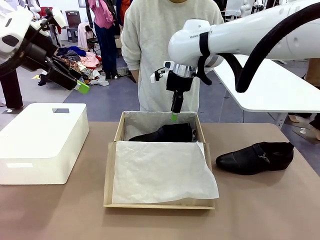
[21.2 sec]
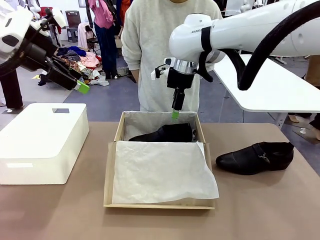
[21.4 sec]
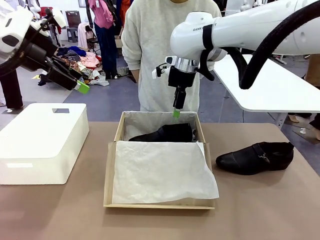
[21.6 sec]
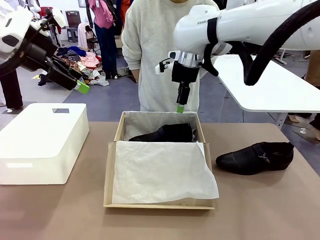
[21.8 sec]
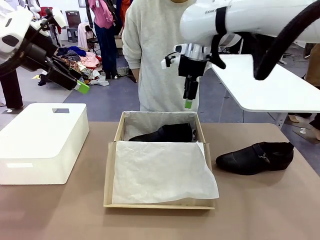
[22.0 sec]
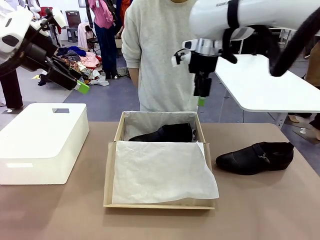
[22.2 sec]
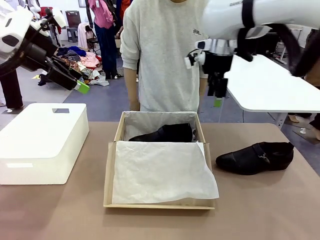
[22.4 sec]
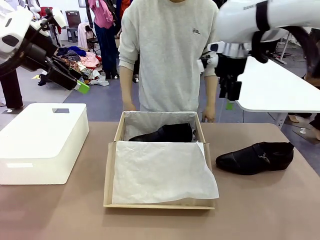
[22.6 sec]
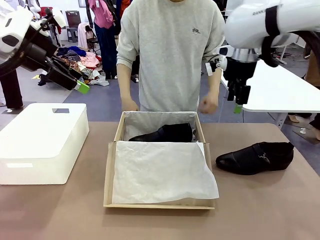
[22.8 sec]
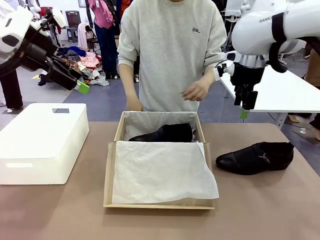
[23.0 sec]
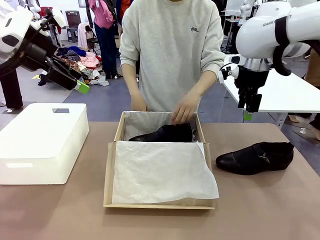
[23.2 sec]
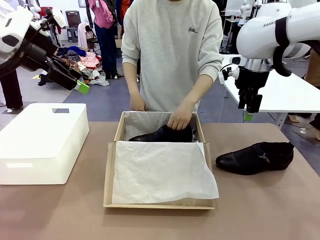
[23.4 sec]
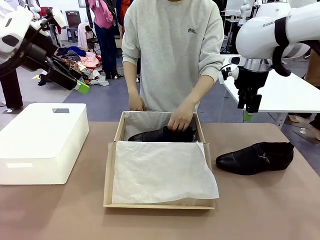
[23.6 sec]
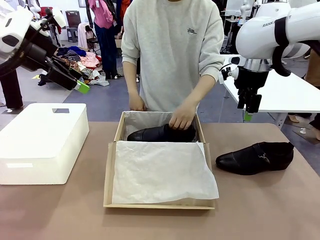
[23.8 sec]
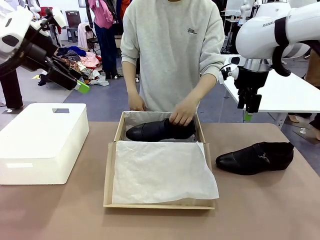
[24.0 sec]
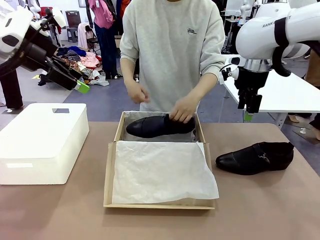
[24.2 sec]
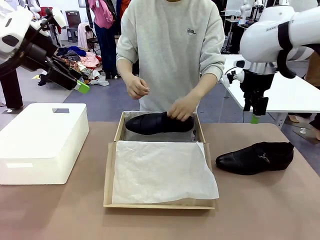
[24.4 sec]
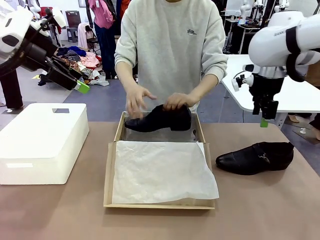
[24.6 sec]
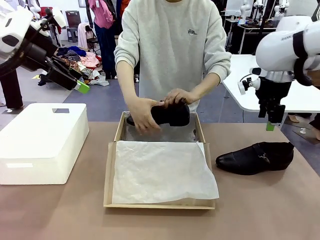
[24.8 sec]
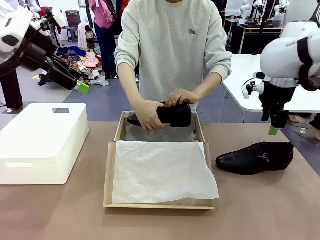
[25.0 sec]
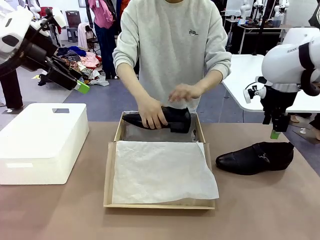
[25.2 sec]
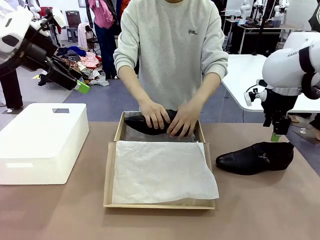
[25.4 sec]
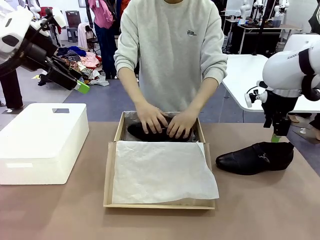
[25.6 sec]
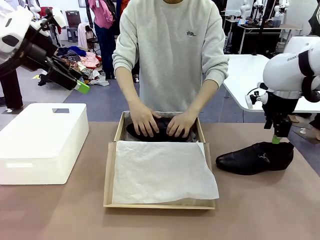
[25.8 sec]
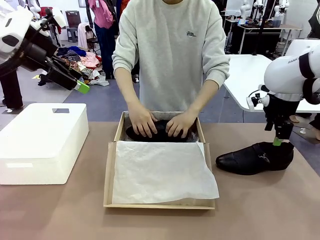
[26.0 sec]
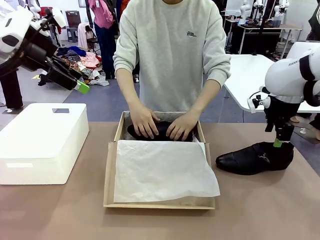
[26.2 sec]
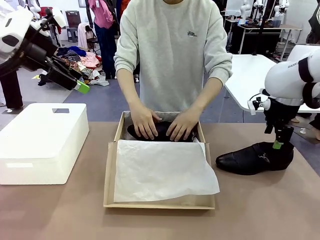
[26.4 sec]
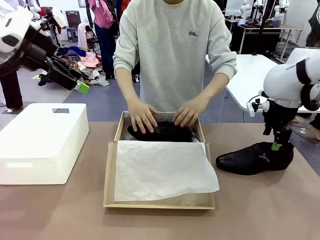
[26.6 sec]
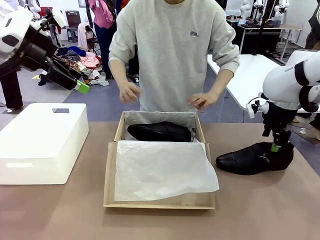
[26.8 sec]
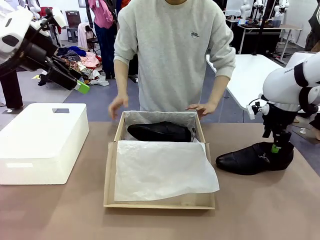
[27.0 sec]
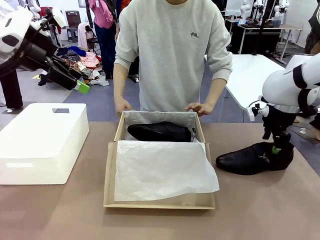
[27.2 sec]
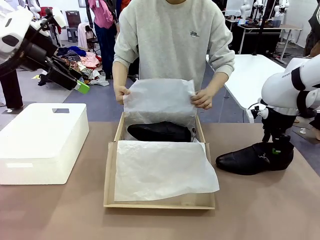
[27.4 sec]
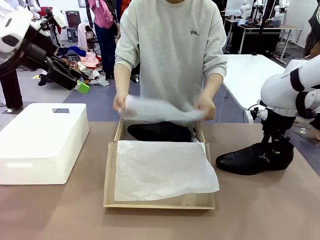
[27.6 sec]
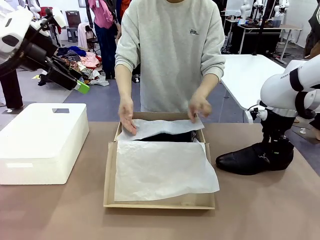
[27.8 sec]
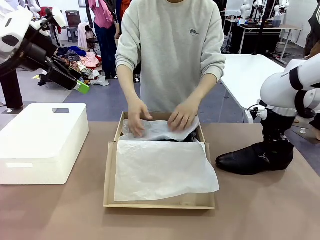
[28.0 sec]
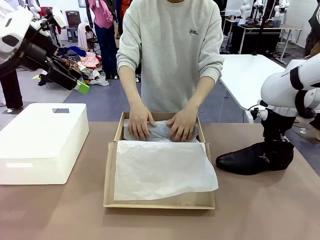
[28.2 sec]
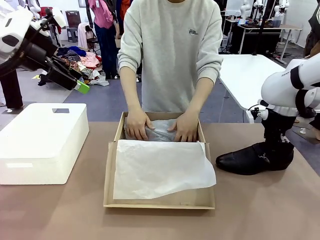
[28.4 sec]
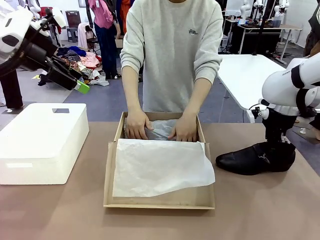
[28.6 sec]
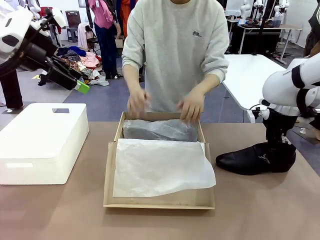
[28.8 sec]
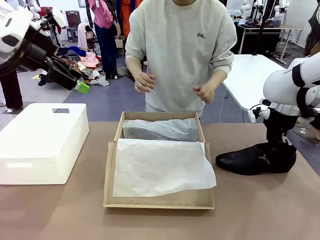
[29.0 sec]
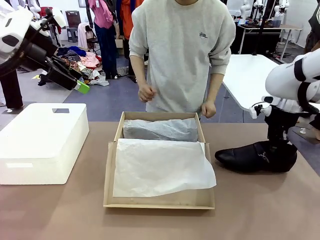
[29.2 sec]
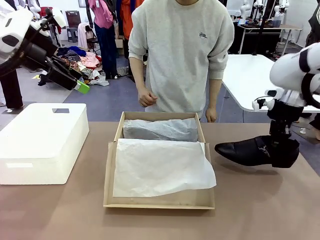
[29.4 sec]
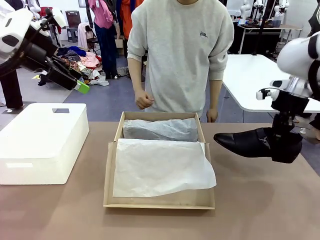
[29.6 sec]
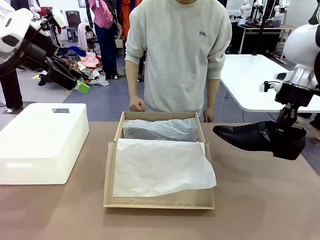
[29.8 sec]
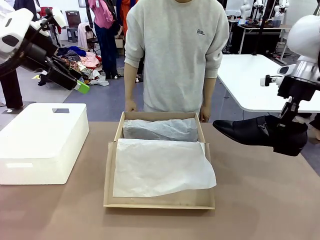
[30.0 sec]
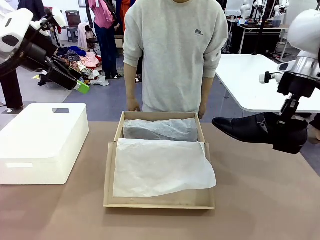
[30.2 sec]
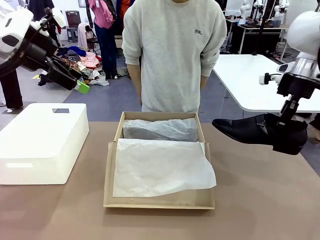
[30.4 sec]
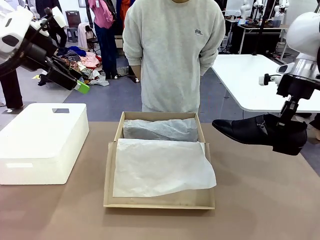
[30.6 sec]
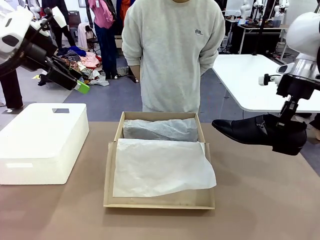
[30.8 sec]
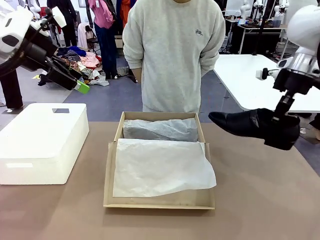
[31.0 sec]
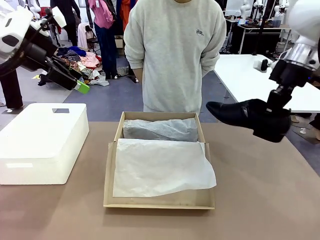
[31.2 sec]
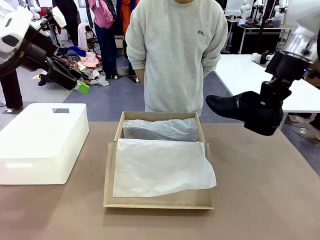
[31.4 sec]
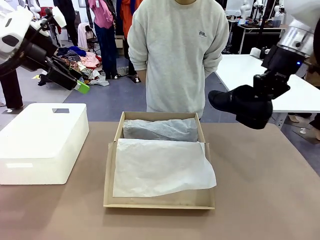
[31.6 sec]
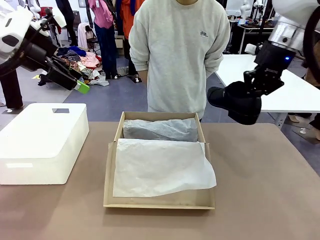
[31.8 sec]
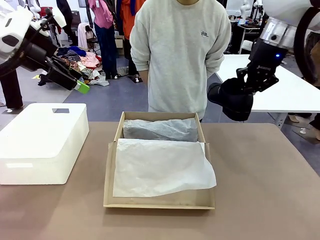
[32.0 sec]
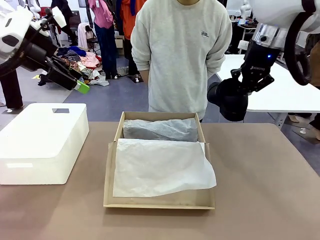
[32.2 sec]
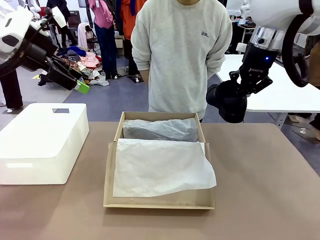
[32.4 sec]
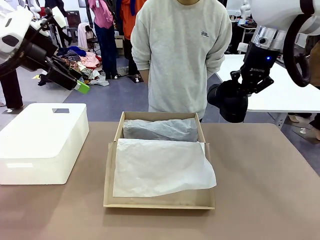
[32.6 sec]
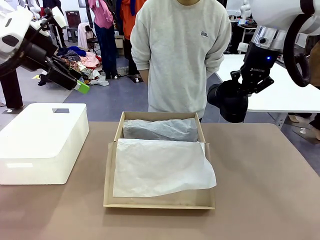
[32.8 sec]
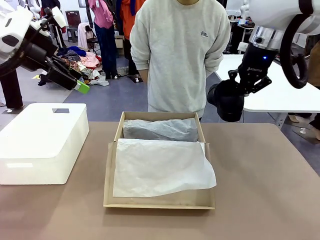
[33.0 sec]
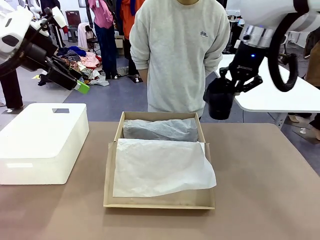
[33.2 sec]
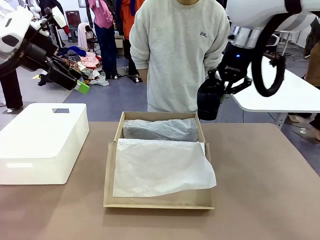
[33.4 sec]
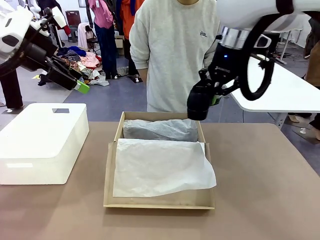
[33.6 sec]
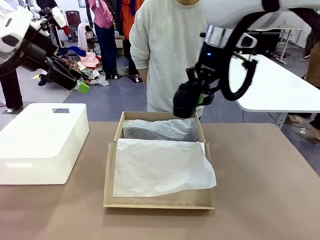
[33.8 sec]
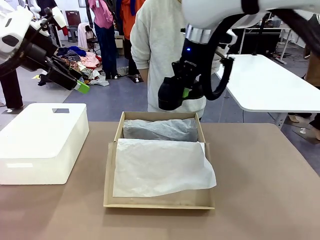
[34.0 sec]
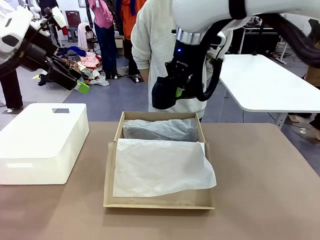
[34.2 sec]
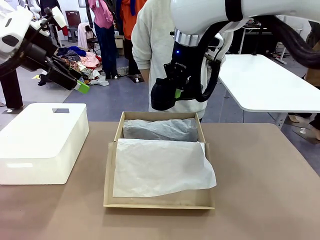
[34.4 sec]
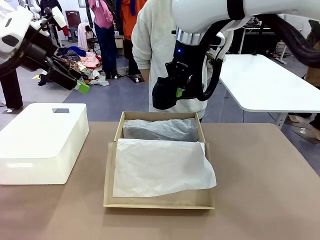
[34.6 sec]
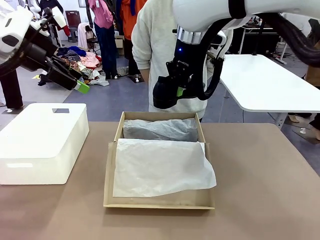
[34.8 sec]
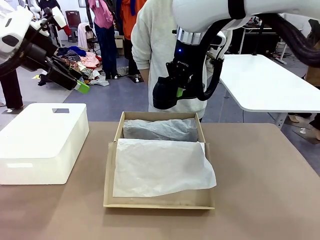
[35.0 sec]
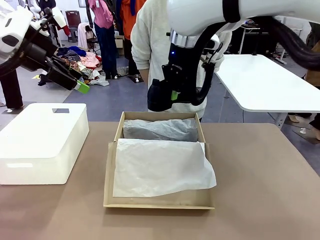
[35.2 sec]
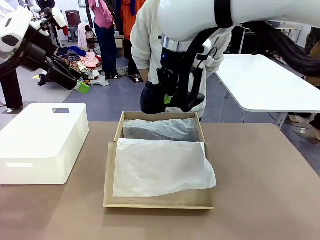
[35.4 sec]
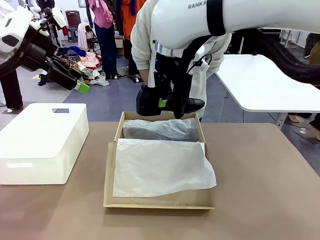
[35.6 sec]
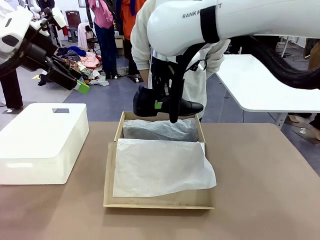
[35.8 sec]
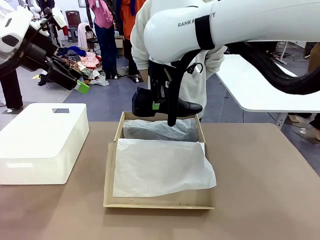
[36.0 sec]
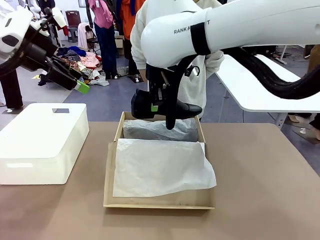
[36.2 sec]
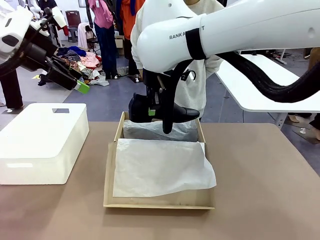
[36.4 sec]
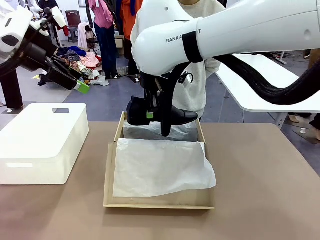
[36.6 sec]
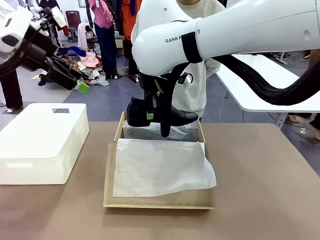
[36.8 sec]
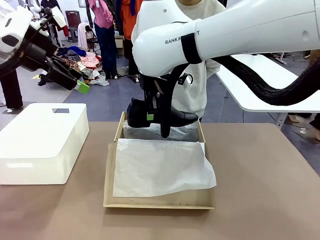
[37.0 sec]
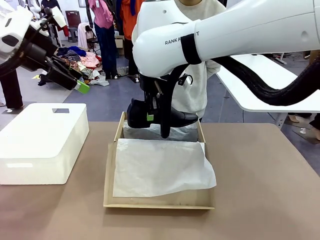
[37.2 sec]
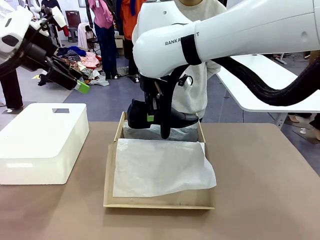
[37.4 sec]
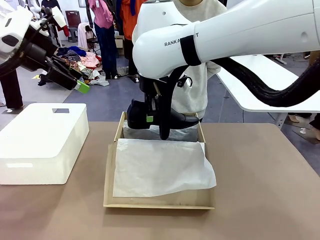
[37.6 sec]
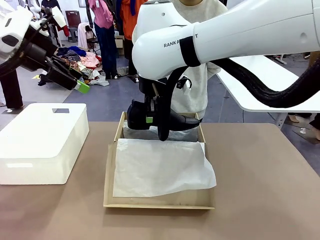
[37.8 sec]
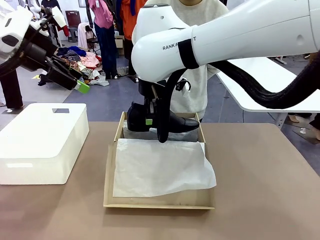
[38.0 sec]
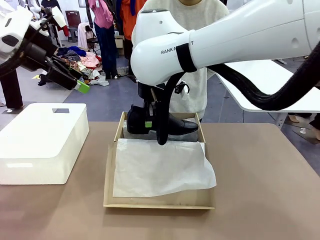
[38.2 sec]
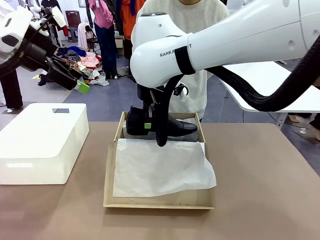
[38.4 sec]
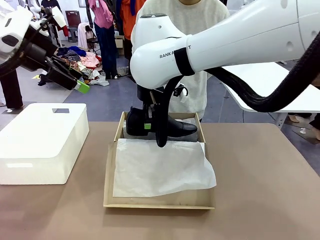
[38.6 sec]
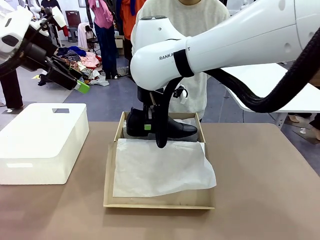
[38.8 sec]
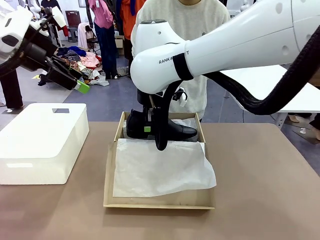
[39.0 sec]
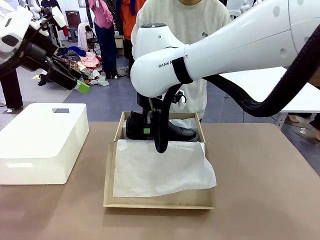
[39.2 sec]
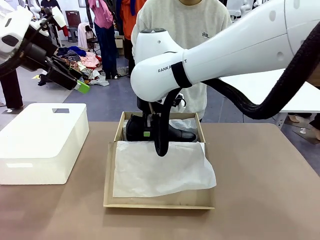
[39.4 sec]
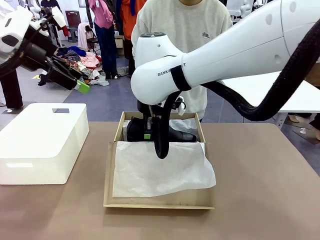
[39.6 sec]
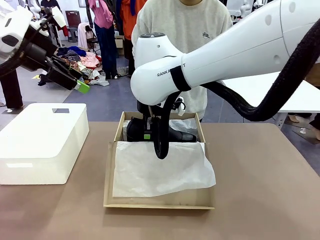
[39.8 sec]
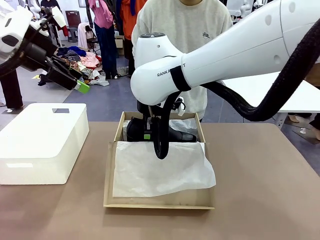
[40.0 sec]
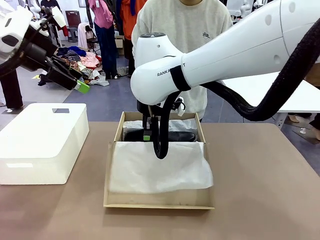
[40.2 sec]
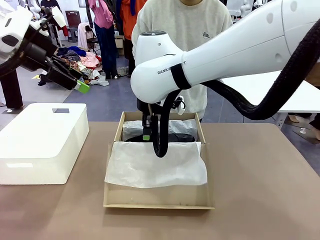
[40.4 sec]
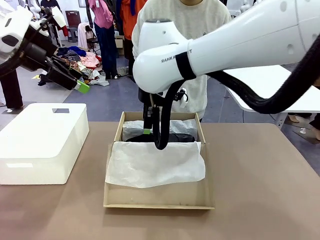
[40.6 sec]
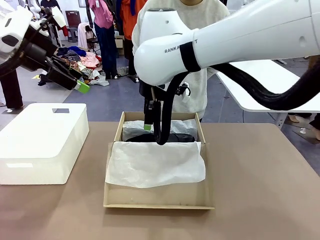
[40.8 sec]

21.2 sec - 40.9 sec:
Task: Pack the shoes into the box.
Robot: Place the other shoe of the Shoes into the Shoes Box.
Person: Pack a shoe of Shoes inside the Shoes Box with Shoes Wrapping Paper.
